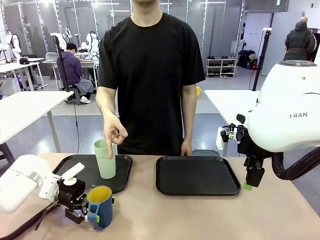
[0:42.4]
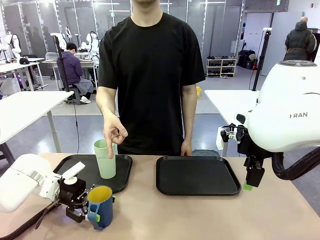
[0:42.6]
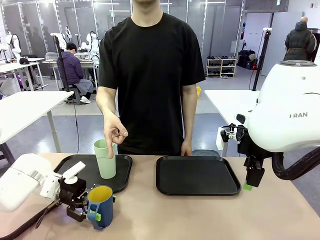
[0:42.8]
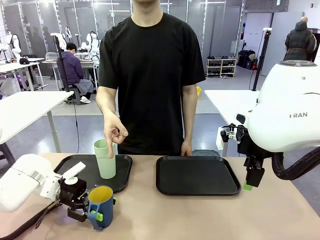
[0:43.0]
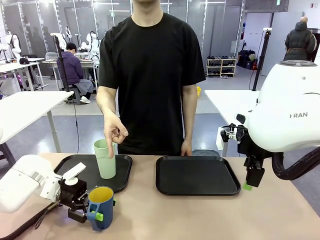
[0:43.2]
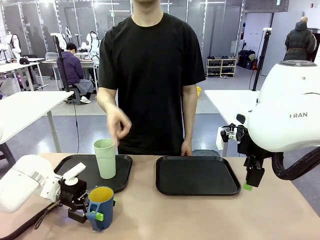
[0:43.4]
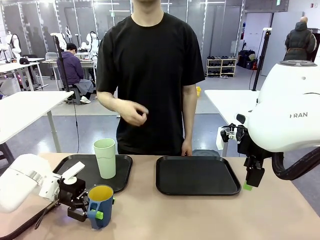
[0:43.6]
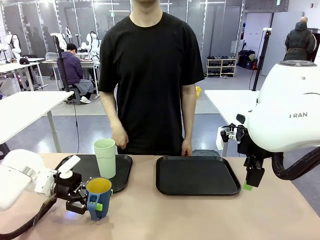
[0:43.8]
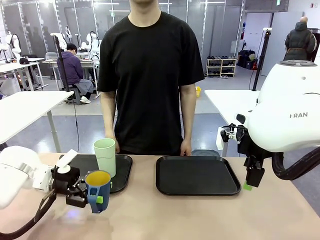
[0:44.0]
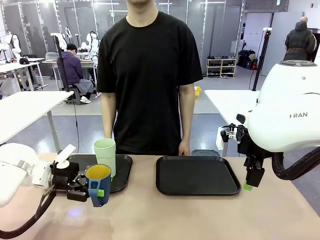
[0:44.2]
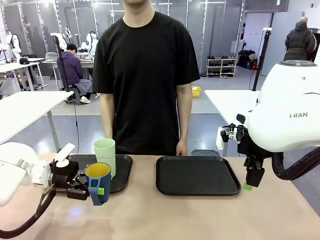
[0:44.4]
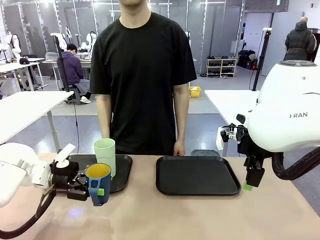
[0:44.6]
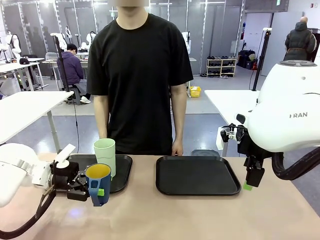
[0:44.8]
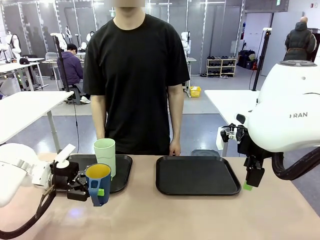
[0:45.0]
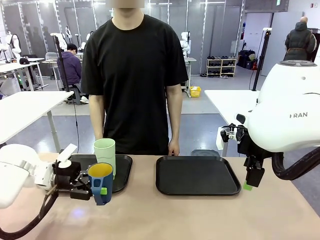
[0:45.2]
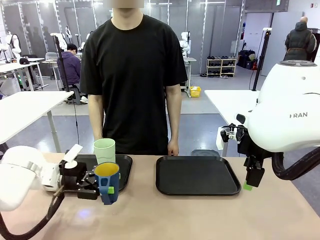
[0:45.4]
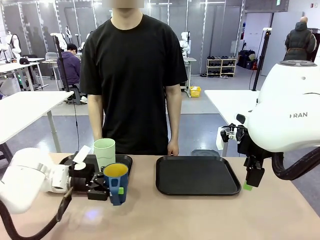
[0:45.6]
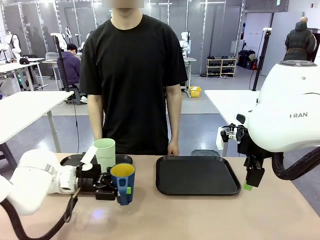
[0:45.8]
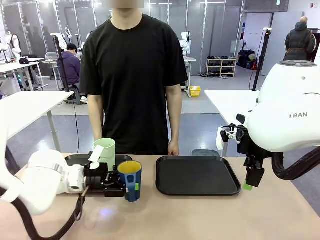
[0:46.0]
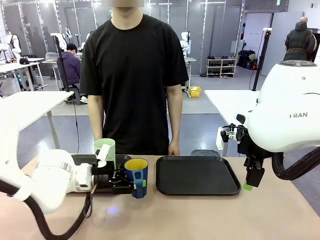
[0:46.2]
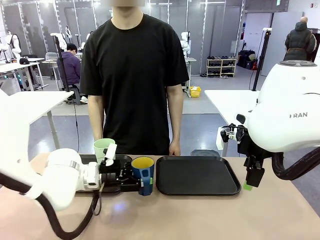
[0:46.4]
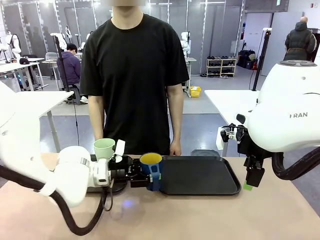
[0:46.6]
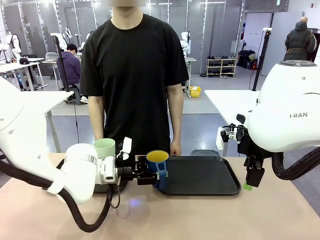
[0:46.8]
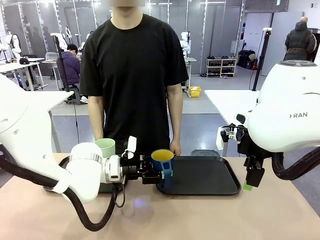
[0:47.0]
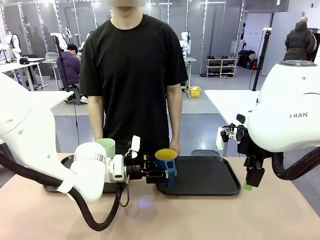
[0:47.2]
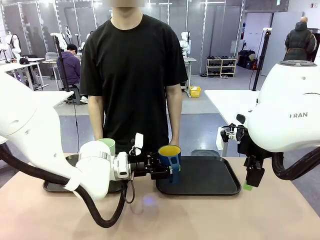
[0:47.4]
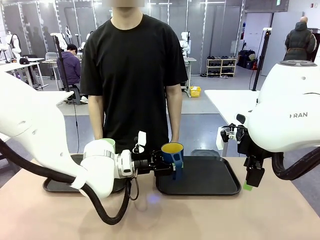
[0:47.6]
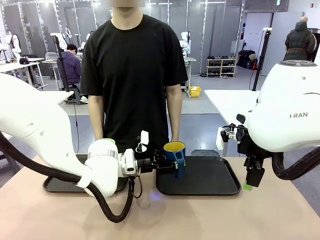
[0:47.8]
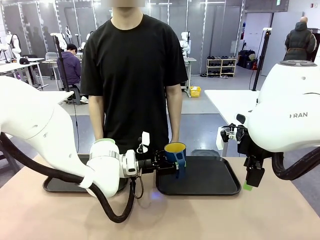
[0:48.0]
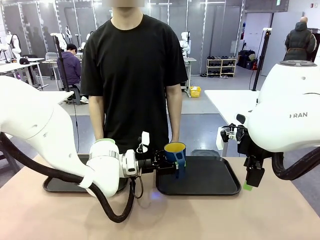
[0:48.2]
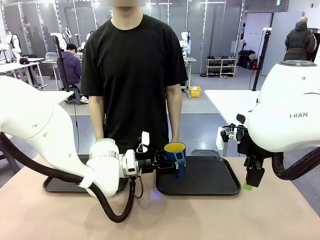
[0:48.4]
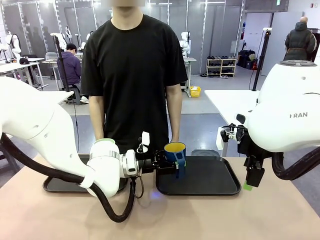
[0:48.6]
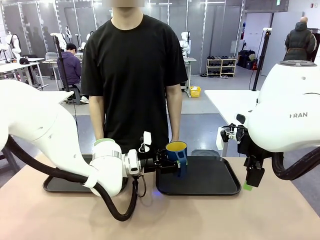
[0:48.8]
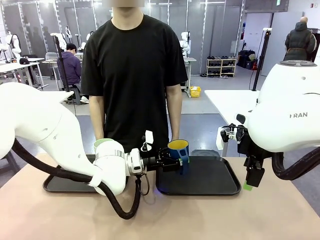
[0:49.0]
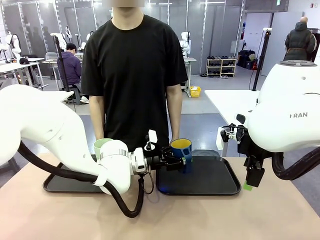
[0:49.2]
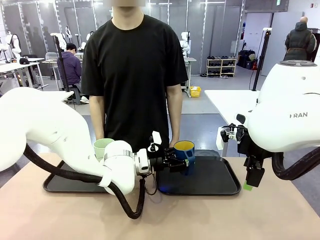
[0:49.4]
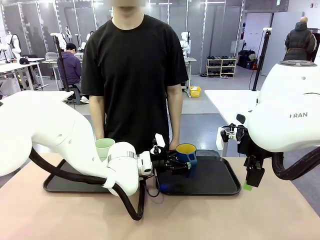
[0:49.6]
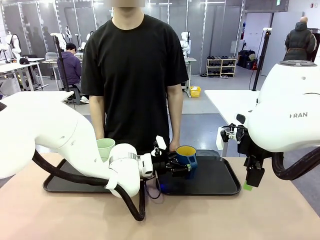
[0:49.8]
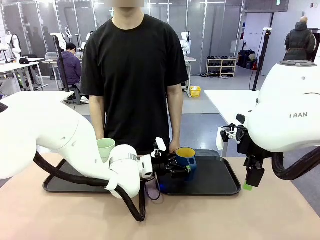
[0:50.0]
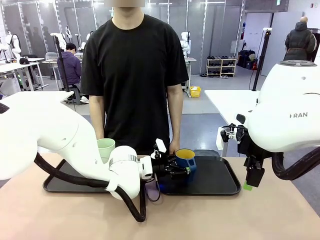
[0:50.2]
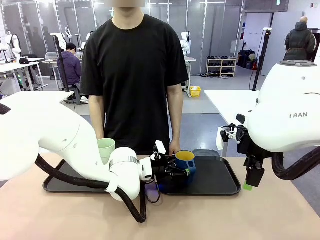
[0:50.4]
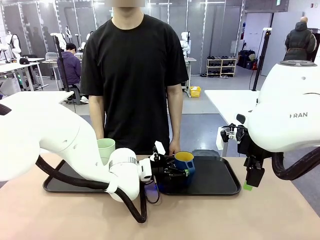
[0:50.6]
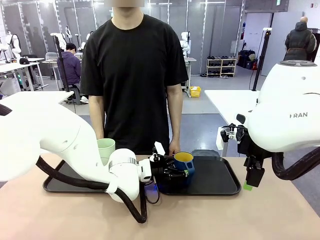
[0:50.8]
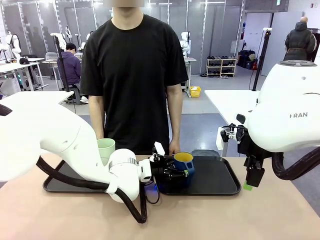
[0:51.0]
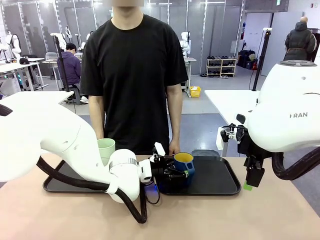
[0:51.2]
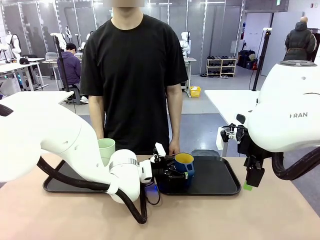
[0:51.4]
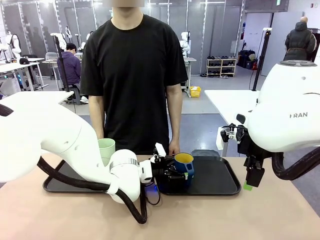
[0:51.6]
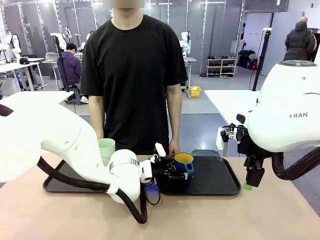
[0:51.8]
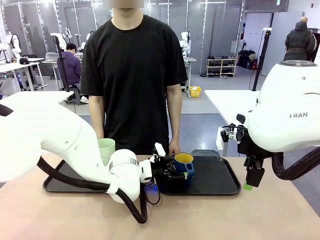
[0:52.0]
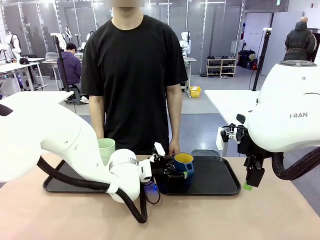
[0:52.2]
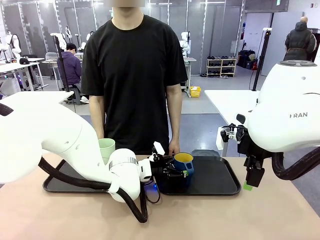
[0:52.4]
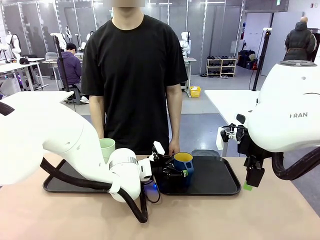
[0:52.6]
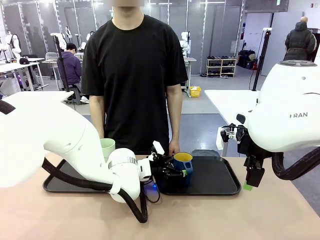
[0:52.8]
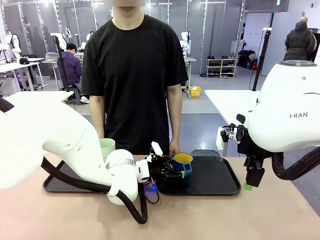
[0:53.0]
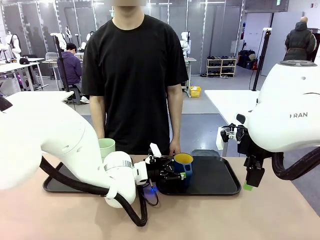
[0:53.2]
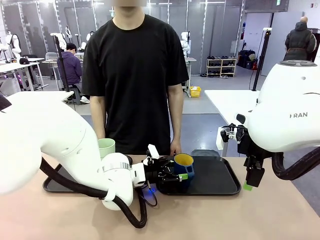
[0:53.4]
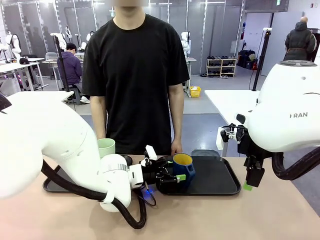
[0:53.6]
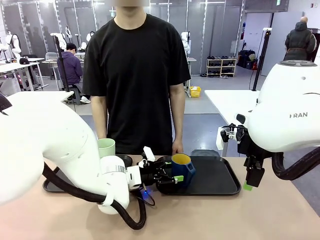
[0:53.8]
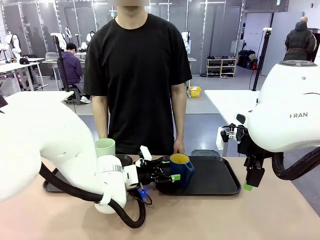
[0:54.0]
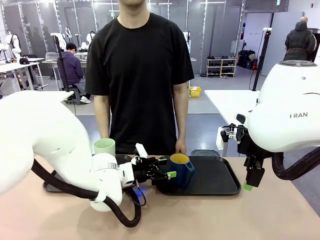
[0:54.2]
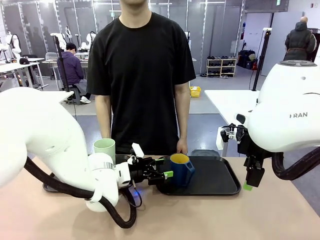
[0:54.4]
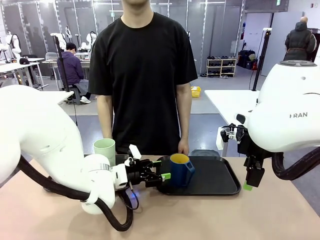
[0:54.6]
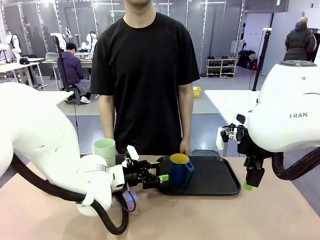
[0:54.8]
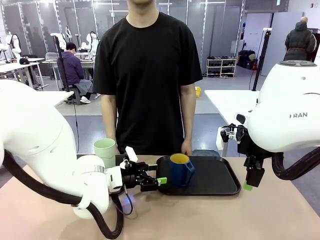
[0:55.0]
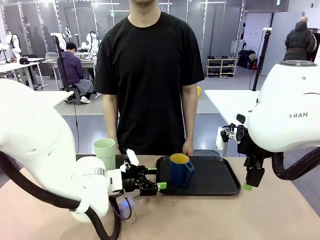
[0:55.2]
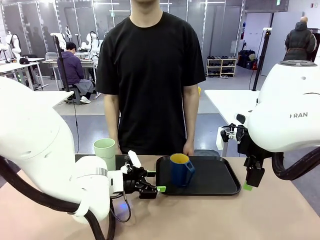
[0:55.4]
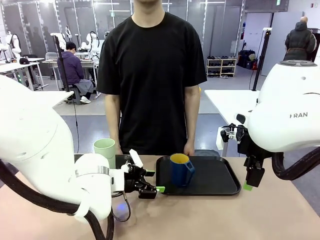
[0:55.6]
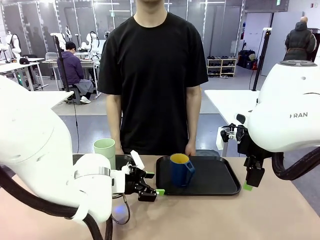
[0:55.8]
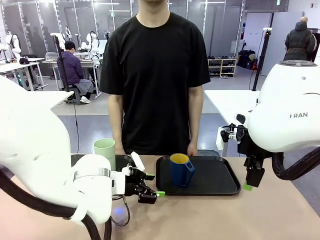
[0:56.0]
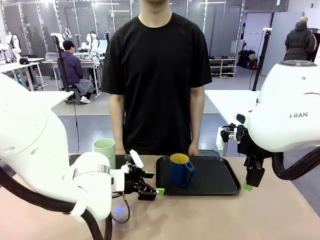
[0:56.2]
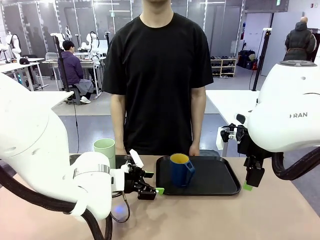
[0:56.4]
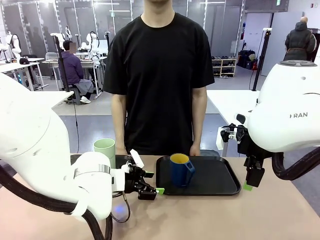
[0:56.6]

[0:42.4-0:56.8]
Task: Sort and store the cups by type.
Robot: Pick up the Handle plastic cup and place it into the empty Flat Tray.
